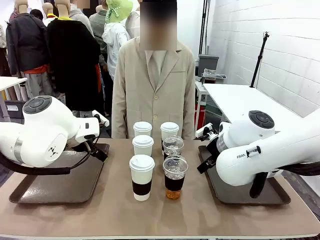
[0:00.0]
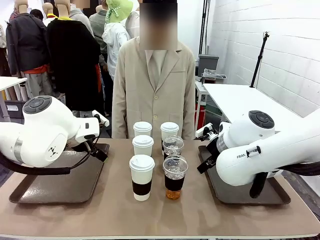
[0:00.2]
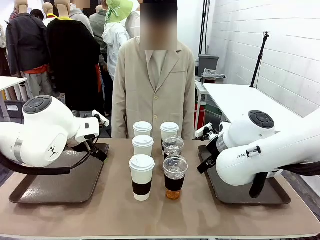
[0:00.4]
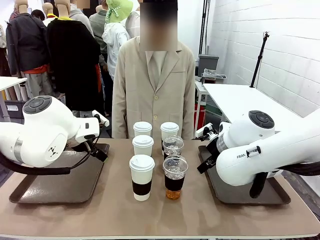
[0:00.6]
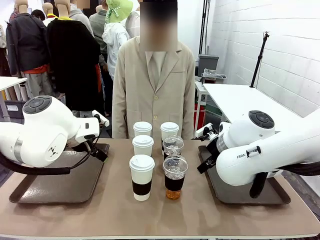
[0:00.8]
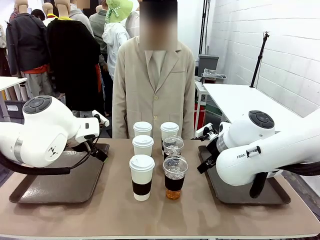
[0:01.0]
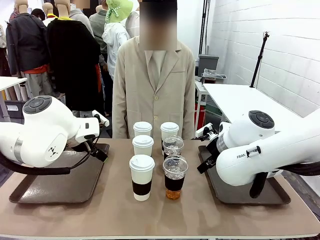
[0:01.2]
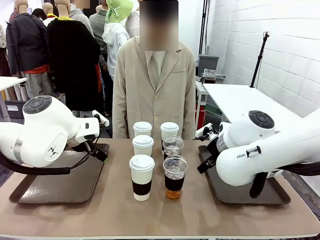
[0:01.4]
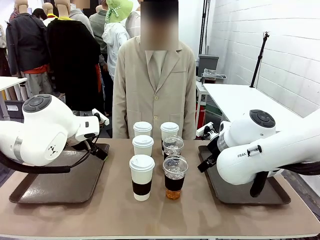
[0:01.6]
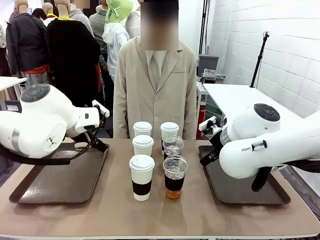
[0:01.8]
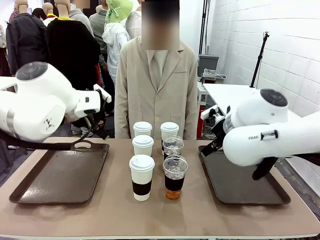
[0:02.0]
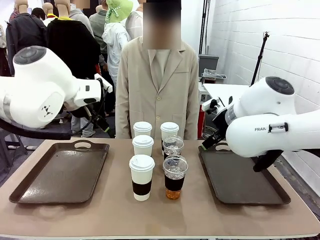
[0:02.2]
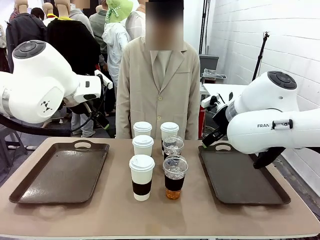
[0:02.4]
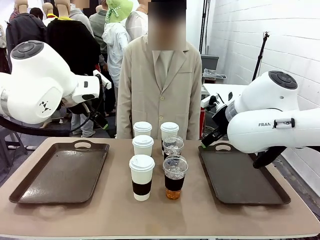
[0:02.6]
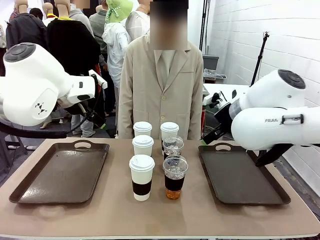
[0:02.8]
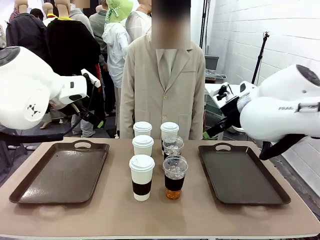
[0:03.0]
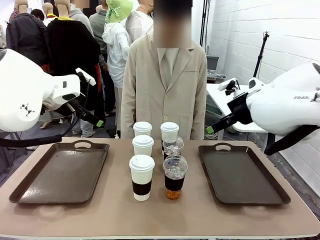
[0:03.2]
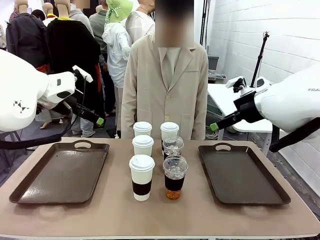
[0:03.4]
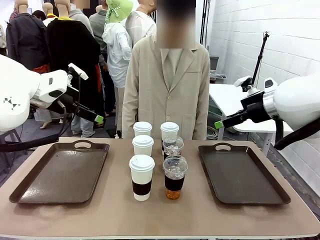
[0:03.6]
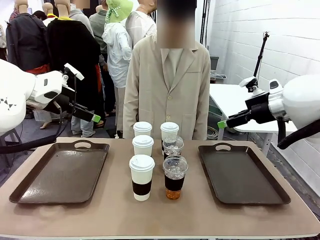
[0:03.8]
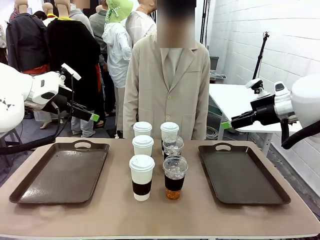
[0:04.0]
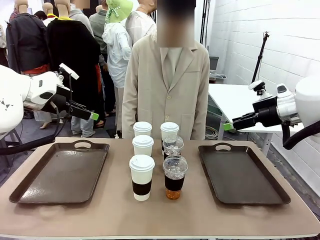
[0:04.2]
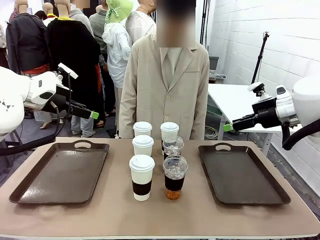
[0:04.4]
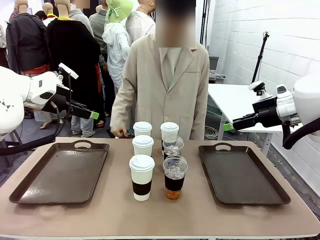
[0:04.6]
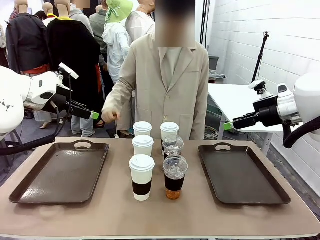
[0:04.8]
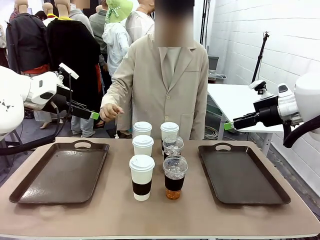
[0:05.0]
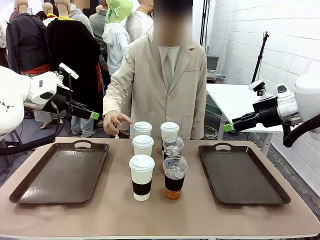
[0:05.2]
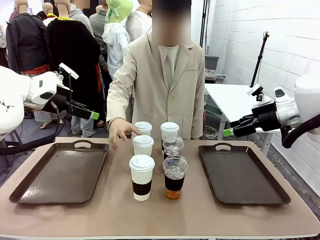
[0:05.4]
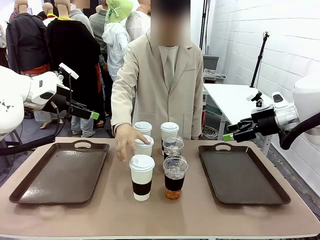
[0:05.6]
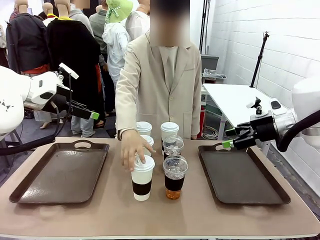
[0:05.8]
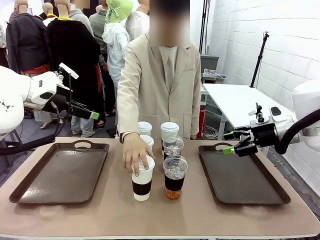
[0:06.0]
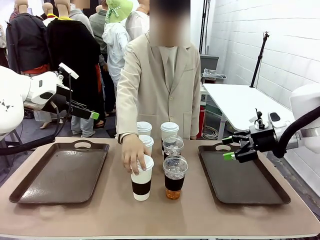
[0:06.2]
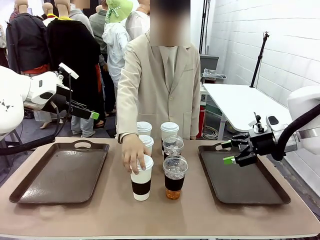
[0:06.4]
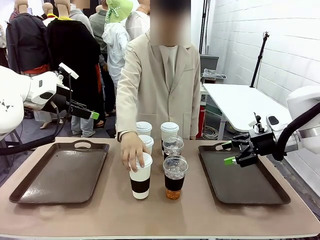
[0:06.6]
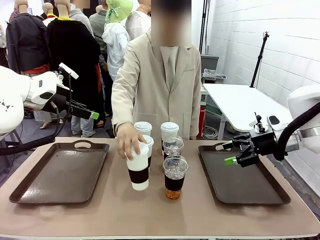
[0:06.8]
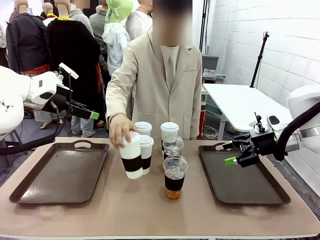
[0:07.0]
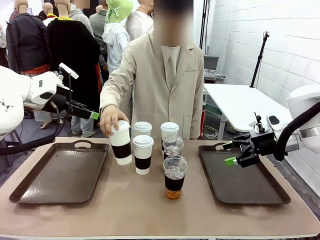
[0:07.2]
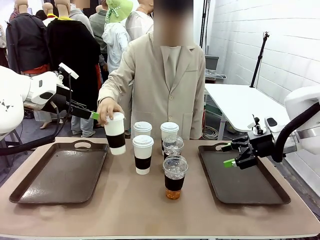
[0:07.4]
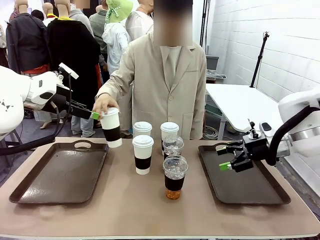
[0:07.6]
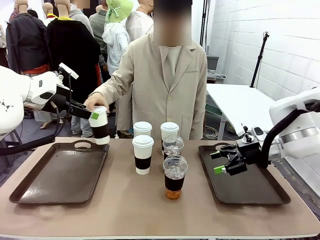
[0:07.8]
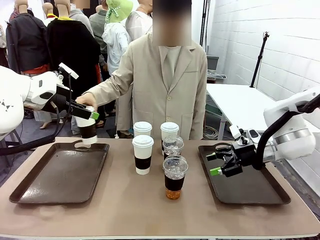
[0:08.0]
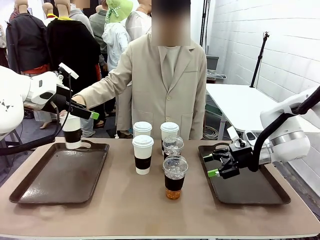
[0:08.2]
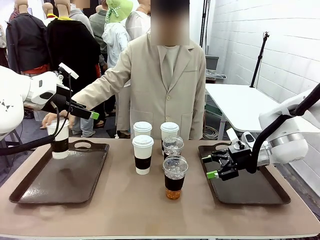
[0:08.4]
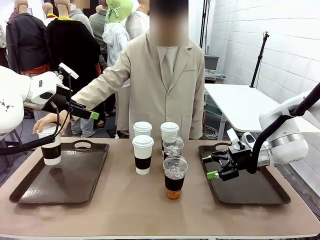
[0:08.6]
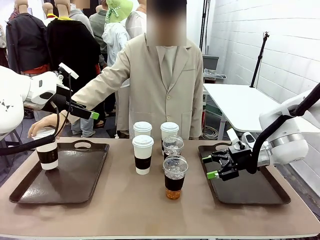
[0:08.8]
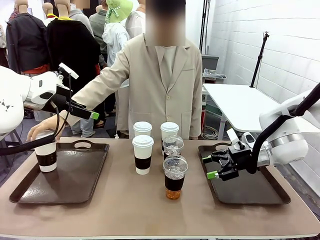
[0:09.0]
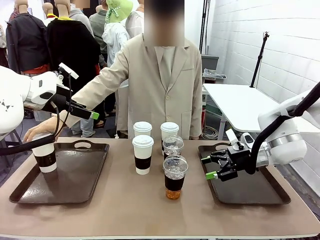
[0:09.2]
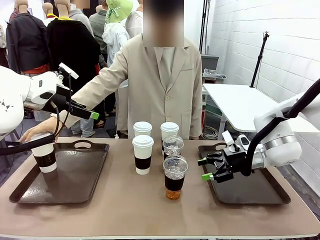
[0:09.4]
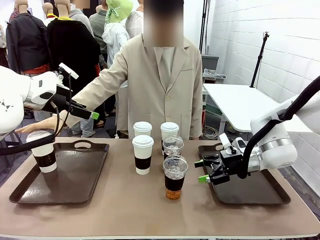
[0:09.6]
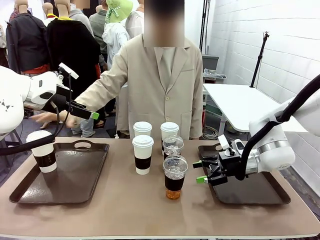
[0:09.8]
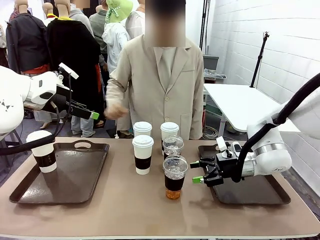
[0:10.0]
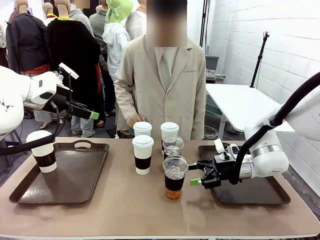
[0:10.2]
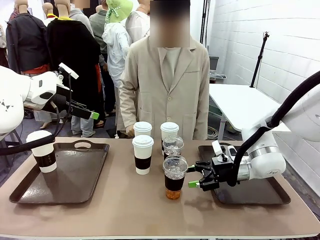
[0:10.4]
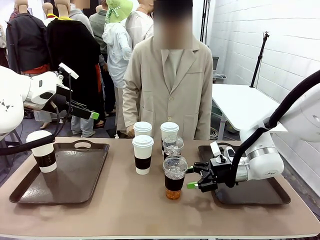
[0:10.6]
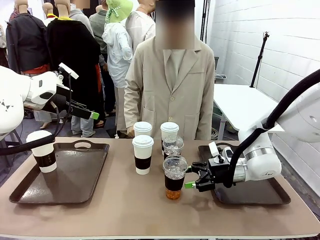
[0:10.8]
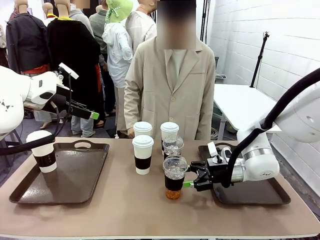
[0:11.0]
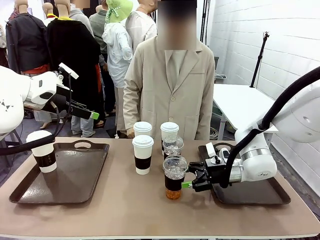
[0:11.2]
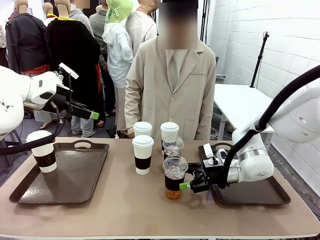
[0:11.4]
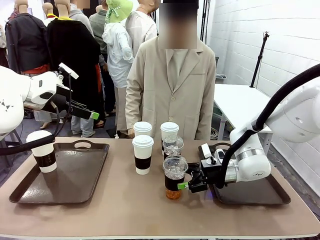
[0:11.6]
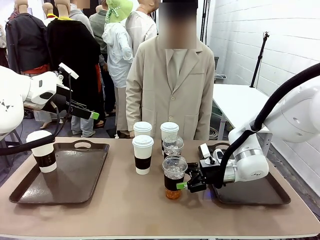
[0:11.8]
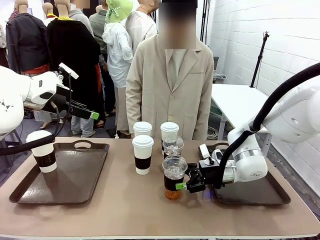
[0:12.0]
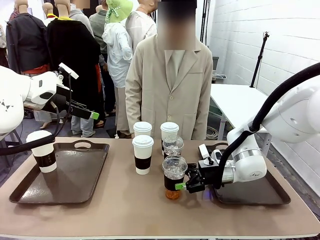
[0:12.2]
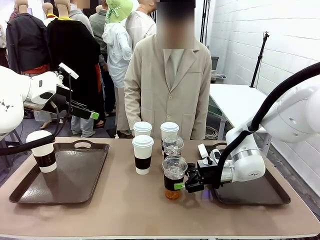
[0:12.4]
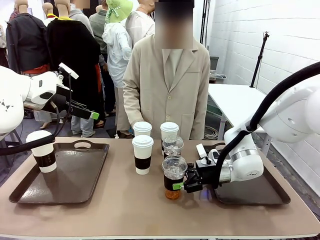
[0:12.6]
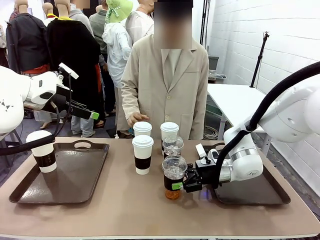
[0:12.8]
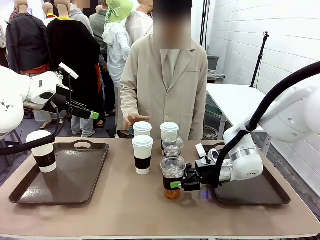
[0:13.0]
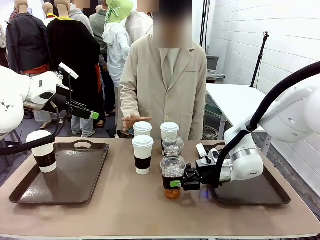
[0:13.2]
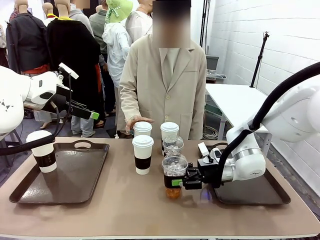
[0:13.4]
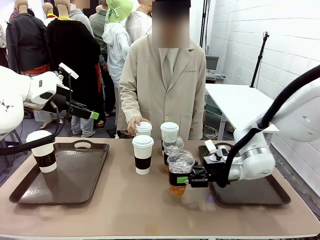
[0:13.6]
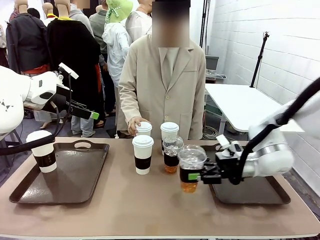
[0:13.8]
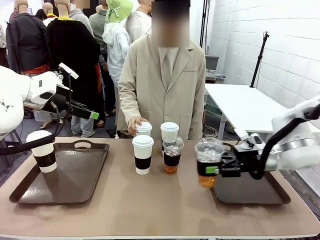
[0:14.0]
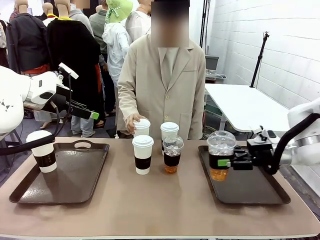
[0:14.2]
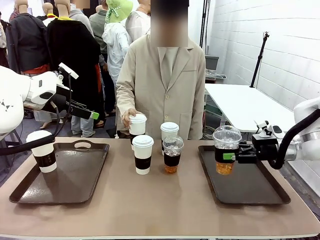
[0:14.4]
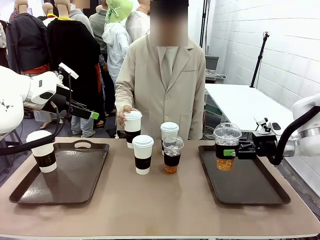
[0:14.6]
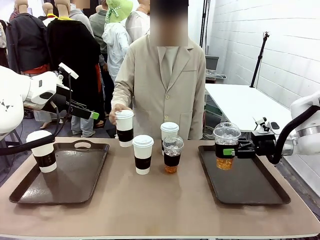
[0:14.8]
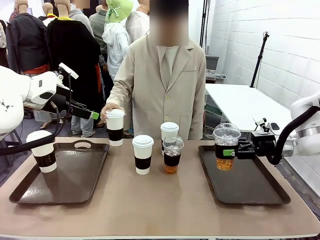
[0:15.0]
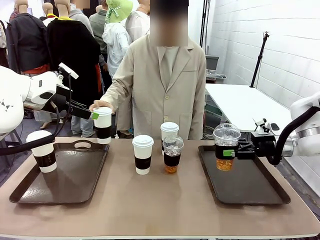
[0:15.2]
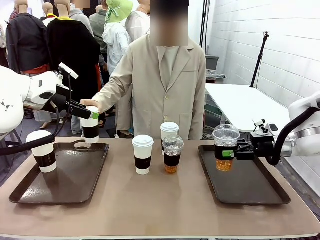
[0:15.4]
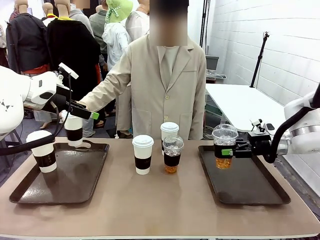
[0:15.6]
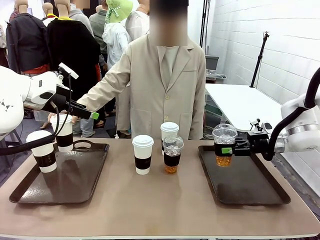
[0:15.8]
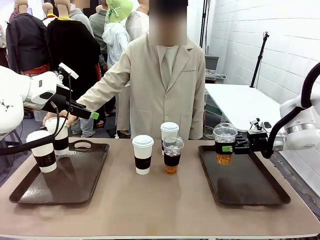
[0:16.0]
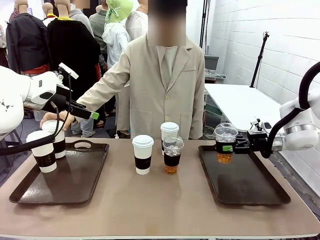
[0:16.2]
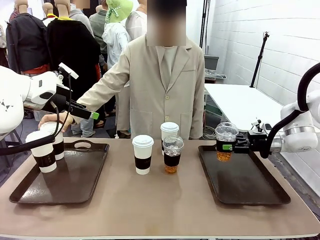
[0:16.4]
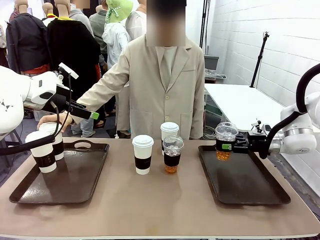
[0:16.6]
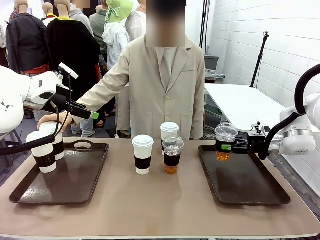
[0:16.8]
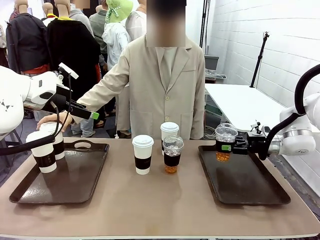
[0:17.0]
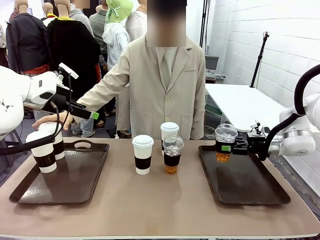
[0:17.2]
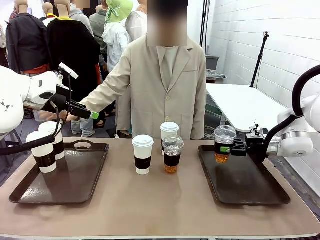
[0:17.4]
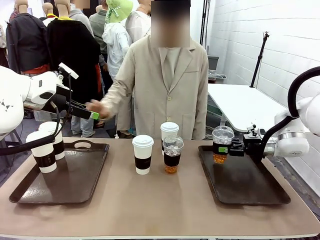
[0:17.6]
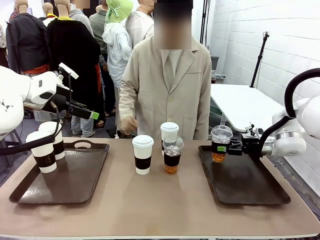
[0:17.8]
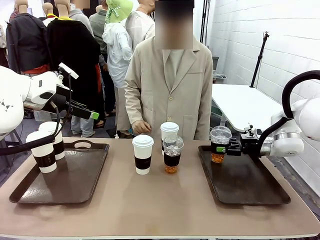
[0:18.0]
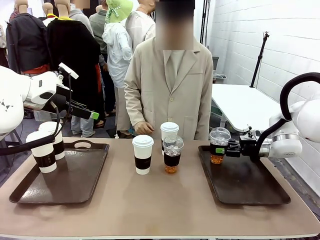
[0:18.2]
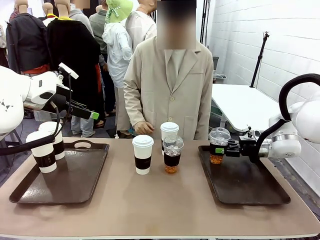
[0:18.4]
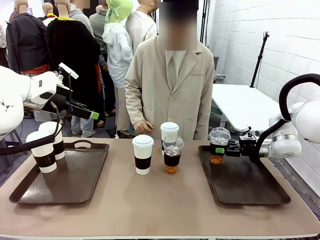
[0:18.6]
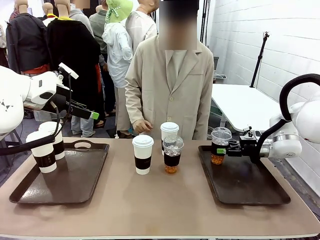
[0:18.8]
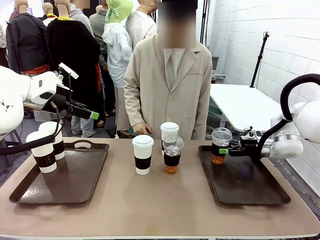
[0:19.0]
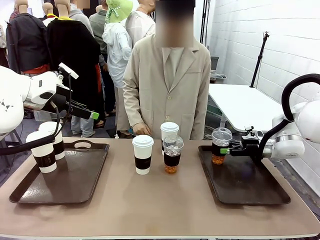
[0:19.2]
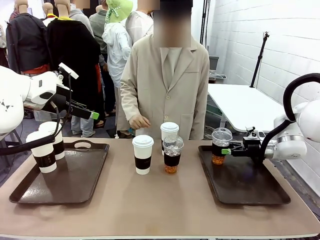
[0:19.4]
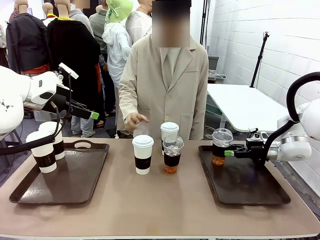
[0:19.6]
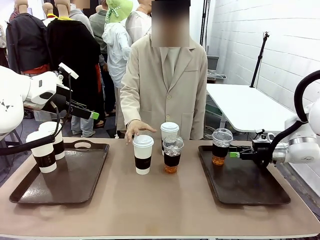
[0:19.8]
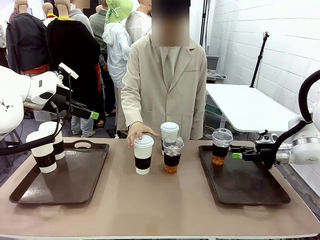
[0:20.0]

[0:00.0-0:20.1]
Task: Distribute the coffee onto the tray.
Robot: Pick up one iced Americano and place it on the right Handle tray.
Person: Pick up a cup of hot Americano and place it on the right tray.
